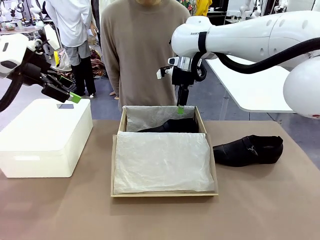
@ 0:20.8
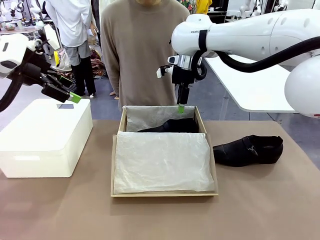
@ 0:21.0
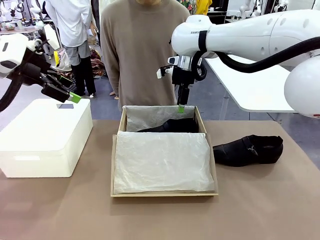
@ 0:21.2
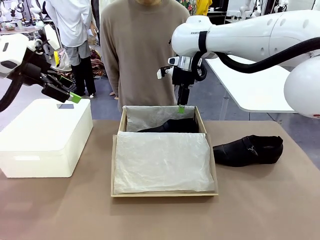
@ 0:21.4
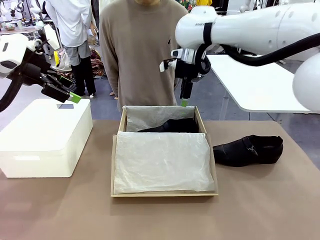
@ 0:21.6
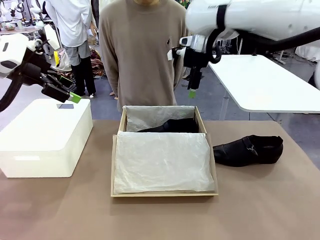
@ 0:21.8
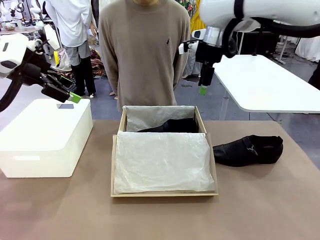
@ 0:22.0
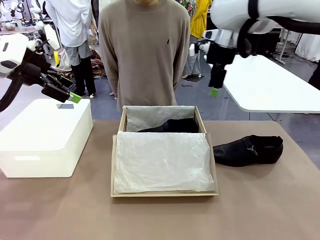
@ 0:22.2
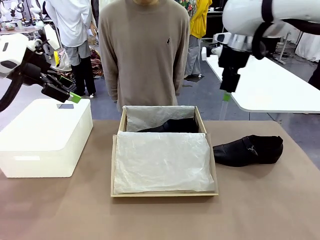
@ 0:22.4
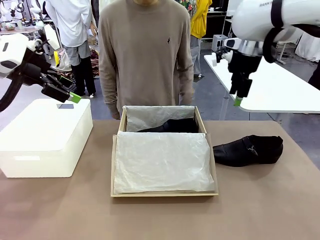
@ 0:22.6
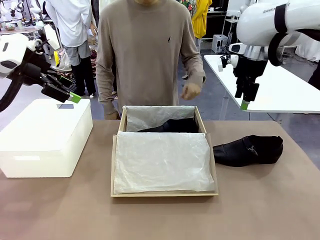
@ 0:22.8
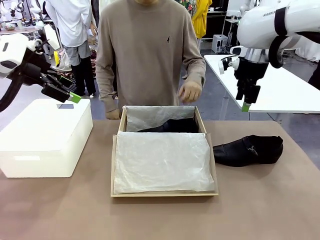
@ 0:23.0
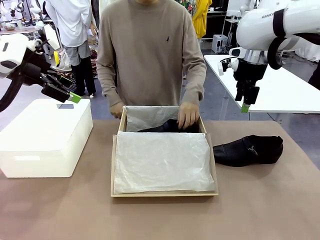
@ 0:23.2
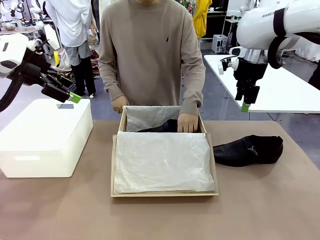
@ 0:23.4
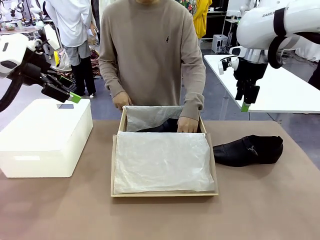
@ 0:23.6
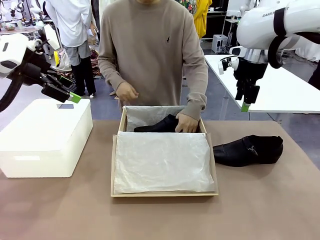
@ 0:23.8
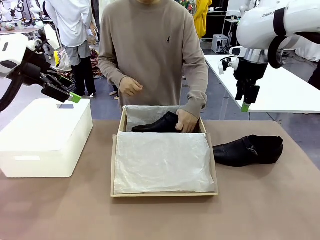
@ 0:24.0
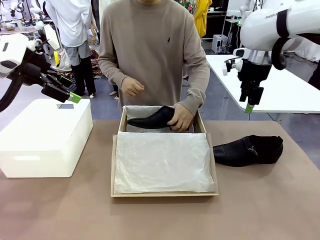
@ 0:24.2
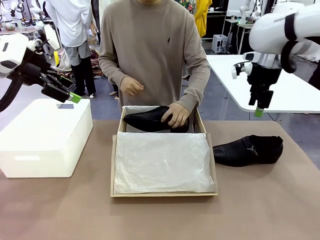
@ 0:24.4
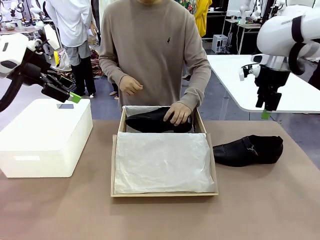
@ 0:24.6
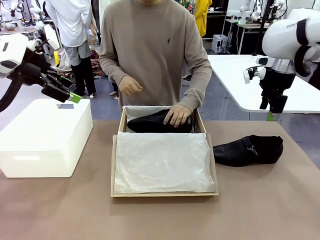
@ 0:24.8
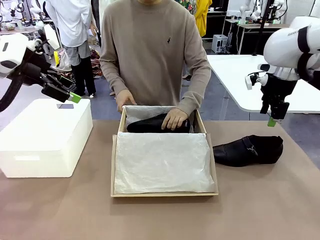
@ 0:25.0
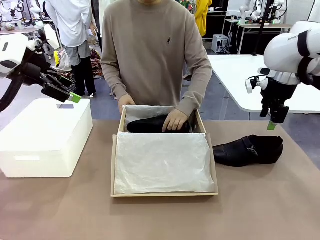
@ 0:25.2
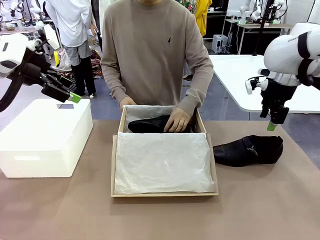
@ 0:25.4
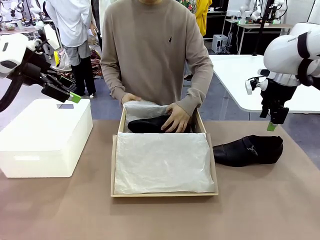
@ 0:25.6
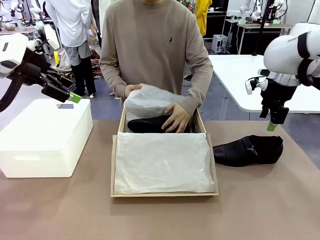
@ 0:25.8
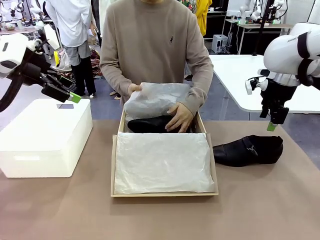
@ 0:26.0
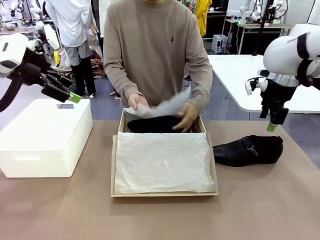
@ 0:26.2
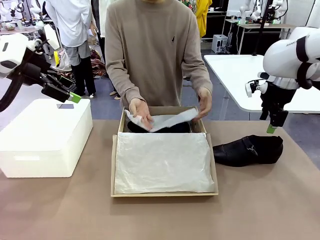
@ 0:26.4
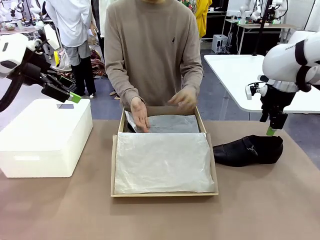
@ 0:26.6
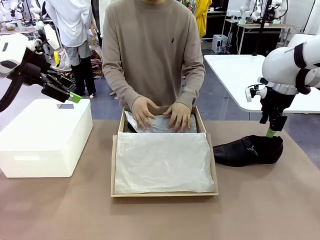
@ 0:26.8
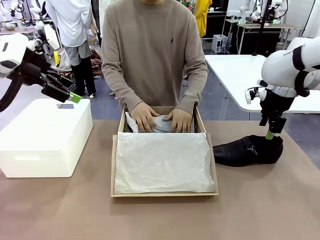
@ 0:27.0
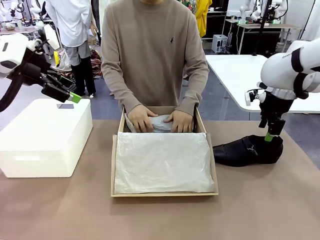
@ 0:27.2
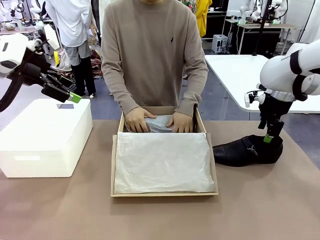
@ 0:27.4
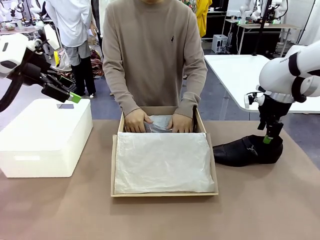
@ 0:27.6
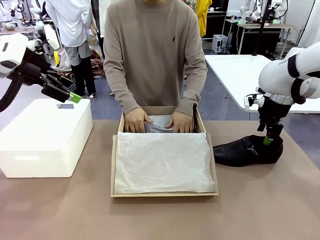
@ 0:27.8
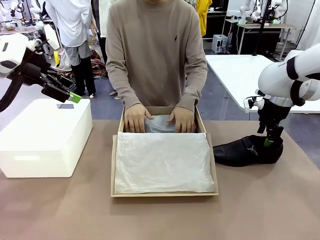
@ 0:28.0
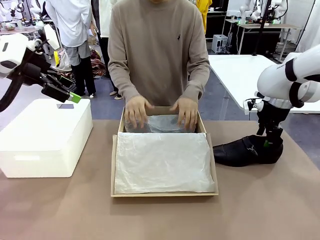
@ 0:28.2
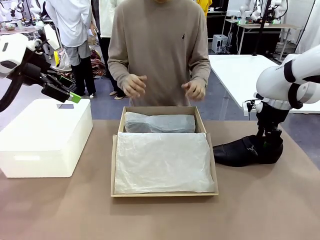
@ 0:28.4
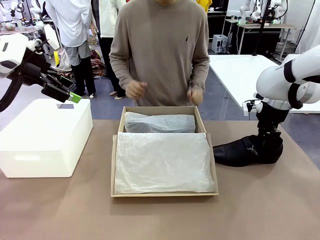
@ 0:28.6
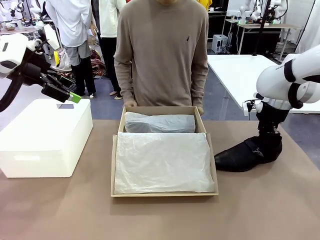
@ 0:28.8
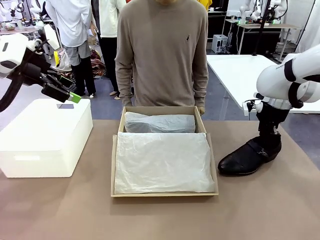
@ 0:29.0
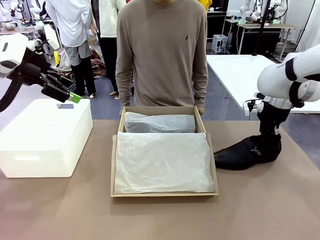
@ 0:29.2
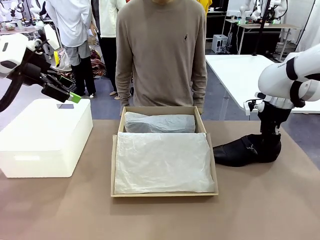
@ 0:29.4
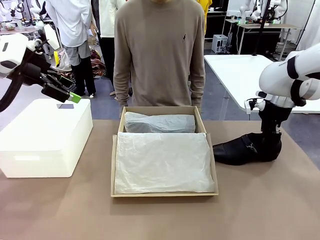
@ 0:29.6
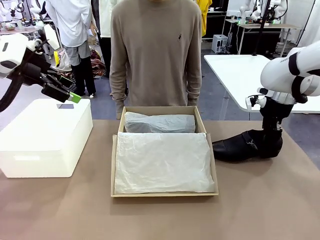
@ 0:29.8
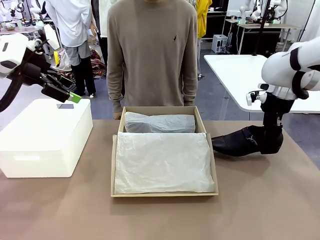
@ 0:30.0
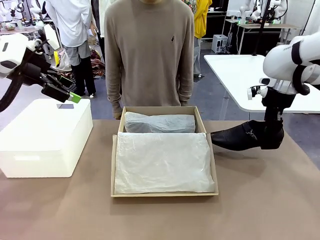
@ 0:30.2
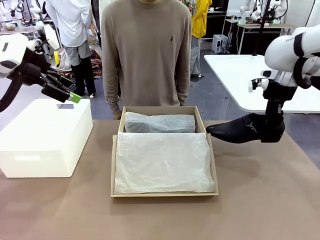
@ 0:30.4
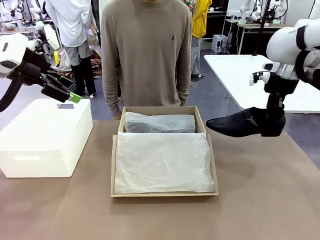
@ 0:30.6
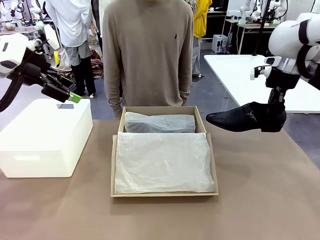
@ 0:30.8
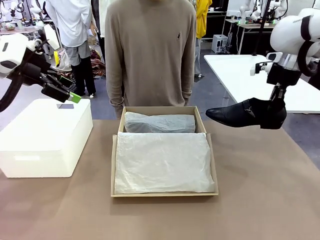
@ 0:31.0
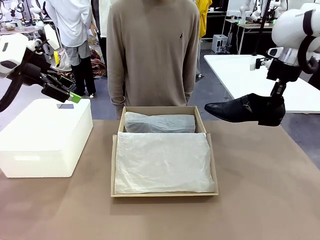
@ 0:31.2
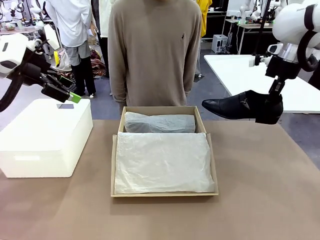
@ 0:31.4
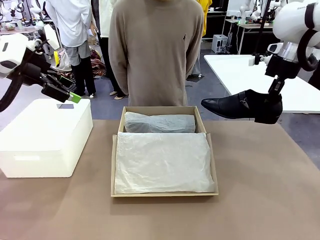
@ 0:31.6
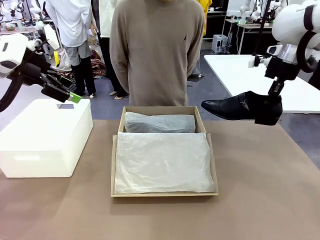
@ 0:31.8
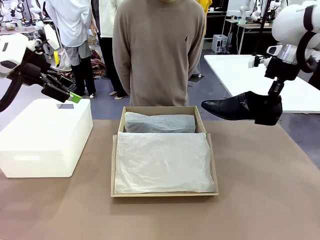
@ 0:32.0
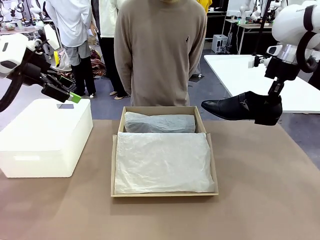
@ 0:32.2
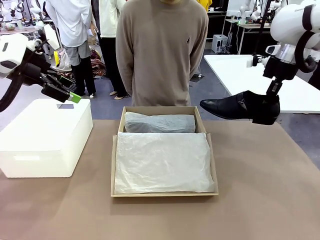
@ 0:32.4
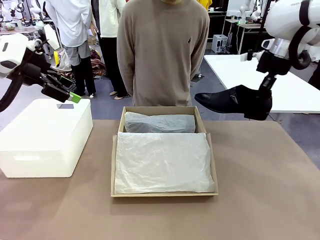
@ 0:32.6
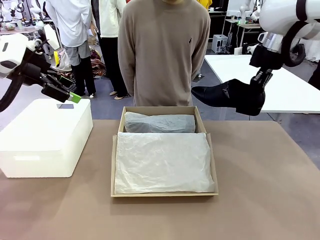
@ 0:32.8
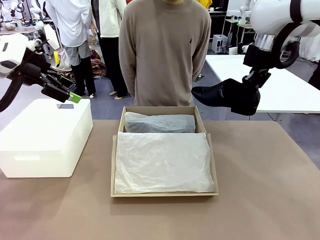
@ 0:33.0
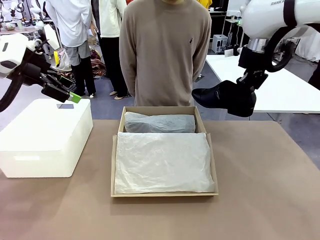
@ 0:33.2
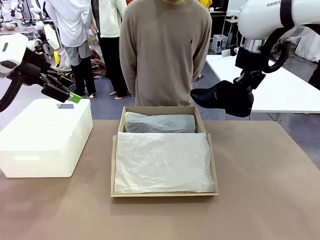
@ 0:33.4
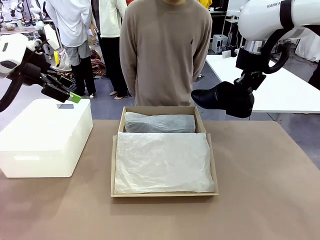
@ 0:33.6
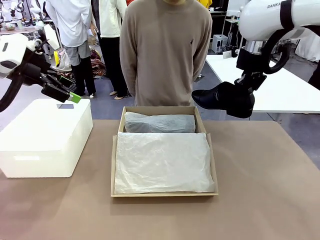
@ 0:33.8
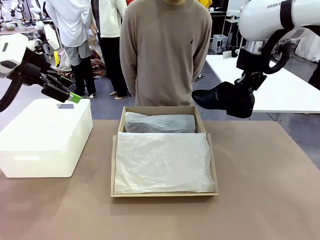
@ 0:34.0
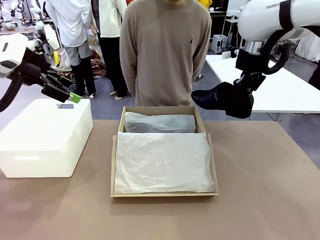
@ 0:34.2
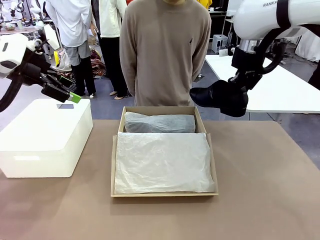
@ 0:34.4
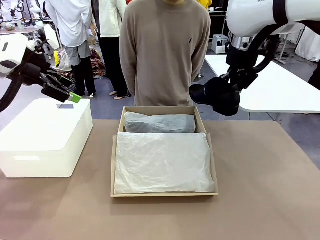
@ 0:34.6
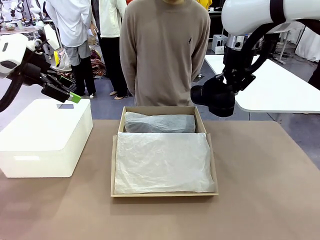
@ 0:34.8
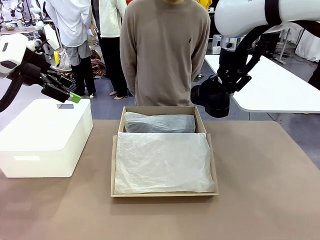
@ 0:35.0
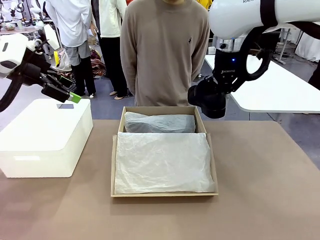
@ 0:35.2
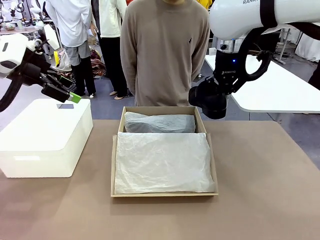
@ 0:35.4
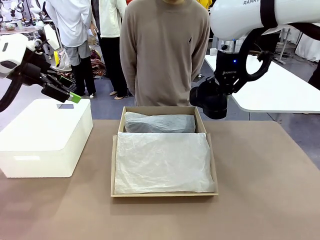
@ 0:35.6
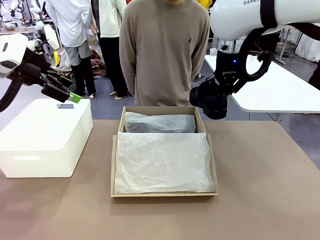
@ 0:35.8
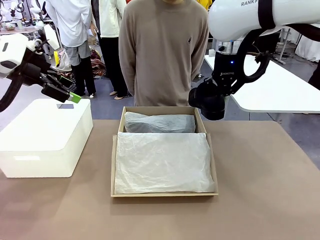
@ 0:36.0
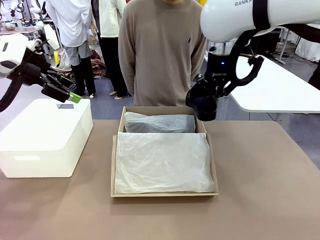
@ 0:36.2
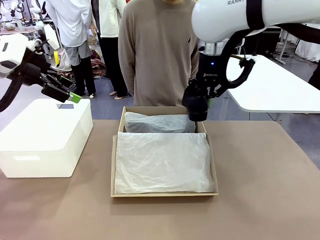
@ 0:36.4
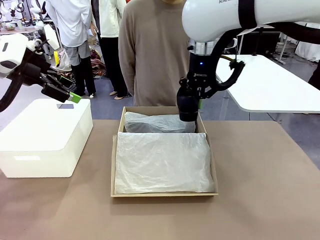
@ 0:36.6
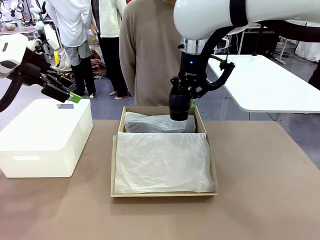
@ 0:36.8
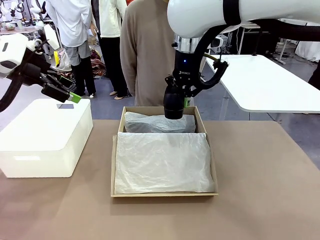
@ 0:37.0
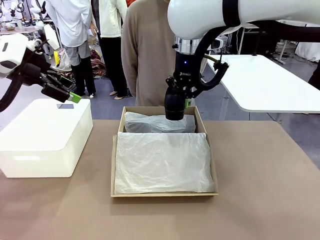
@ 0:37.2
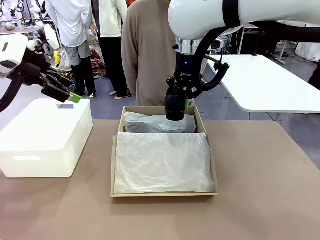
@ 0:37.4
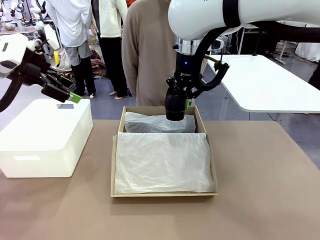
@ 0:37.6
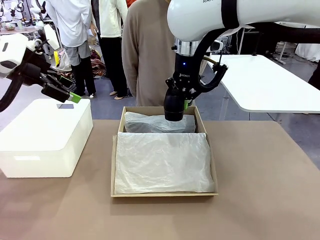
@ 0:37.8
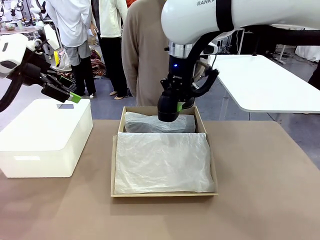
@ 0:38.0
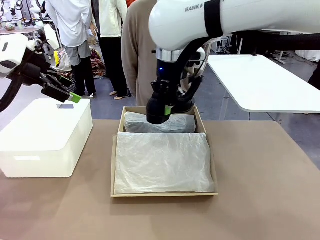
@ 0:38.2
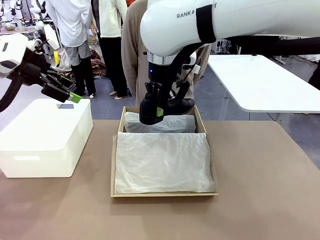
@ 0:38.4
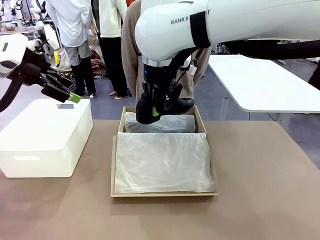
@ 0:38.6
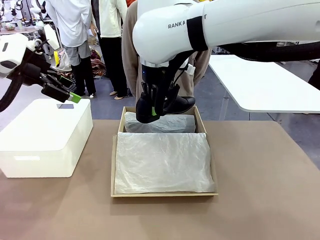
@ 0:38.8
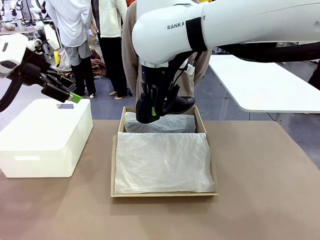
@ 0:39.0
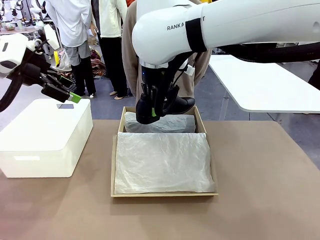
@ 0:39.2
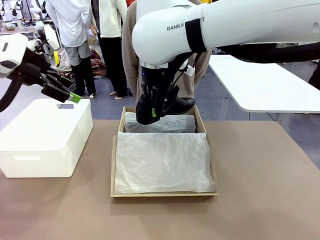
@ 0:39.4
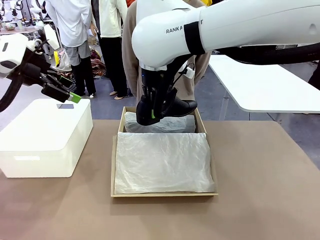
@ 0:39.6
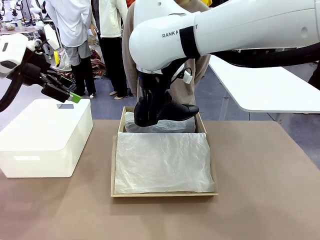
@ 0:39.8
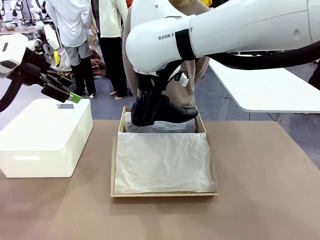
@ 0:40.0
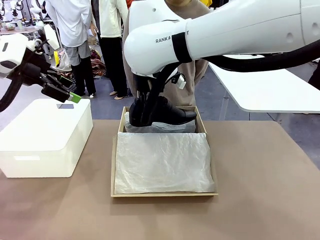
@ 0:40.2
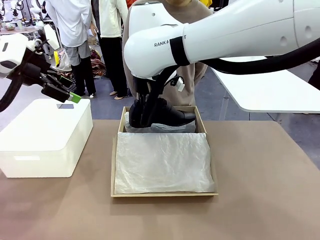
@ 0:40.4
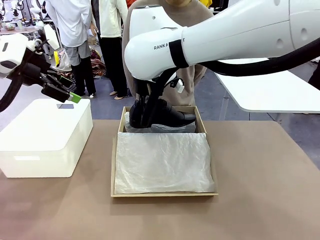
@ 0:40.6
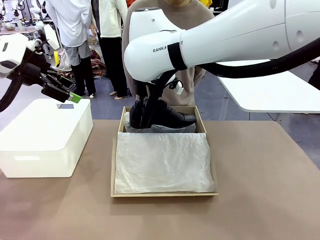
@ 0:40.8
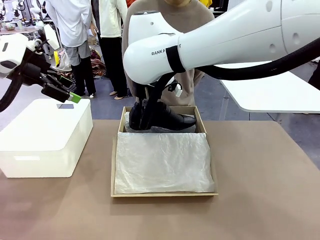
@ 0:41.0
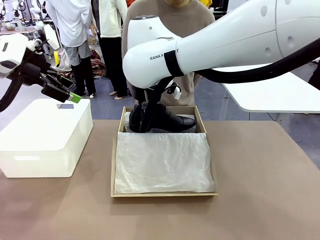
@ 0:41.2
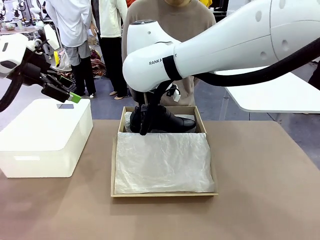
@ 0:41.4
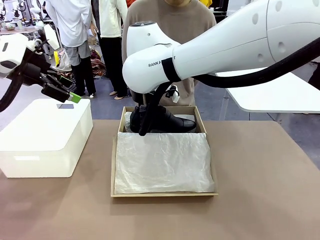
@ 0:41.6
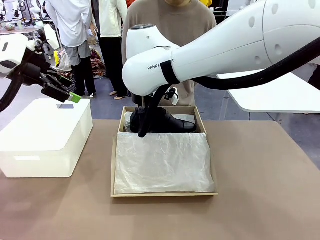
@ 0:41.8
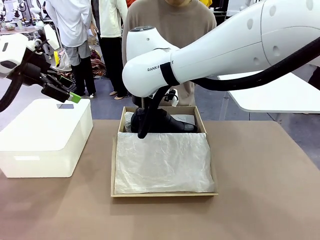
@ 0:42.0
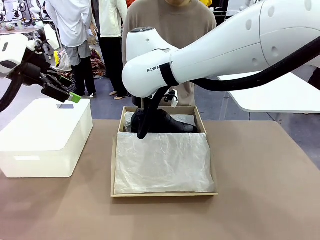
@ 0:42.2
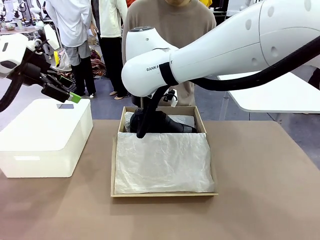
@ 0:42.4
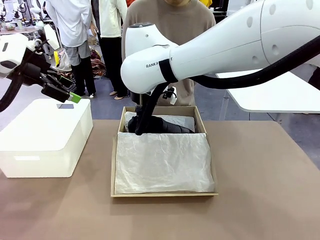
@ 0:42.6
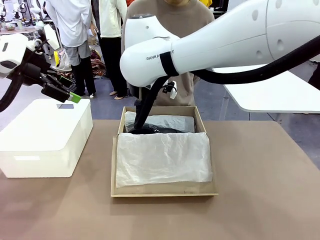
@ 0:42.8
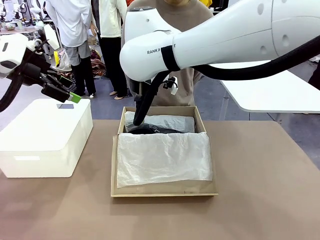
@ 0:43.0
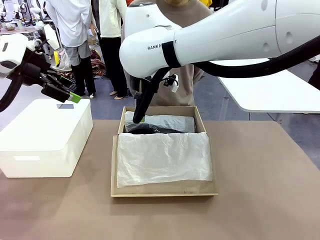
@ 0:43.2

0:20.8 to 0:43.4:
Task: Pack the shoes into the box.
Robot: Place the other shoe of the Shoes into the Shoes Box.
Person: Pack a shoe of Shoes inside the Shoes Box with Shoes Wrapping Paper.
